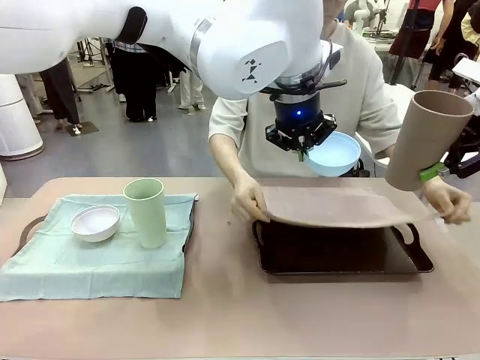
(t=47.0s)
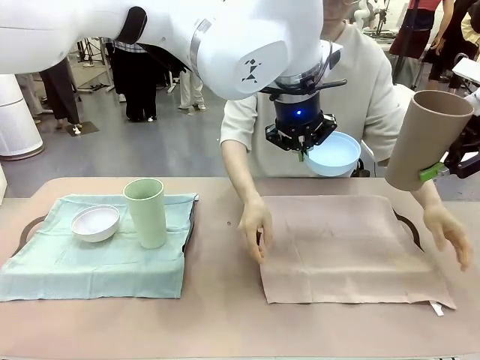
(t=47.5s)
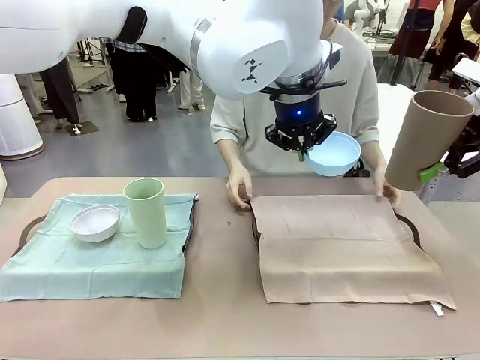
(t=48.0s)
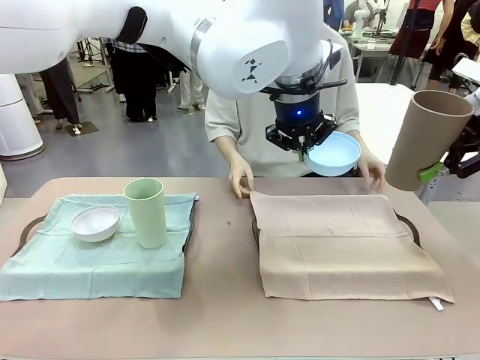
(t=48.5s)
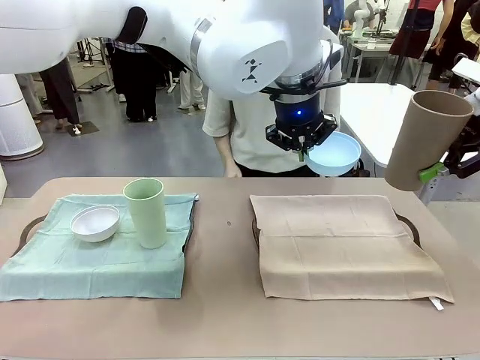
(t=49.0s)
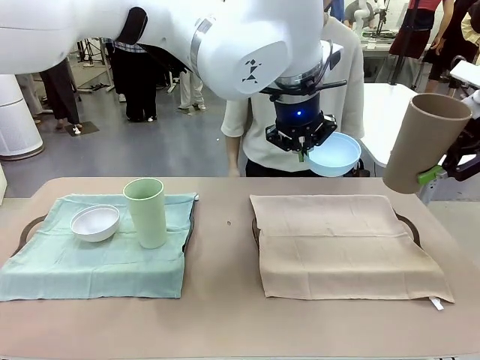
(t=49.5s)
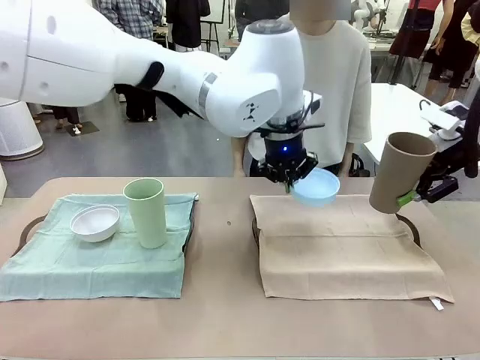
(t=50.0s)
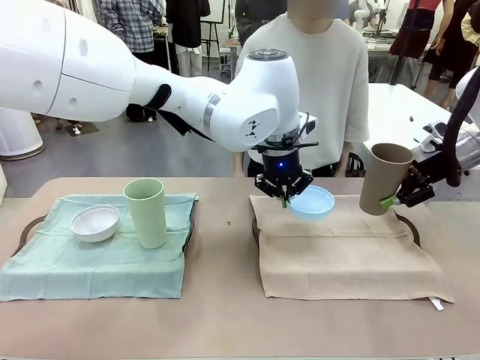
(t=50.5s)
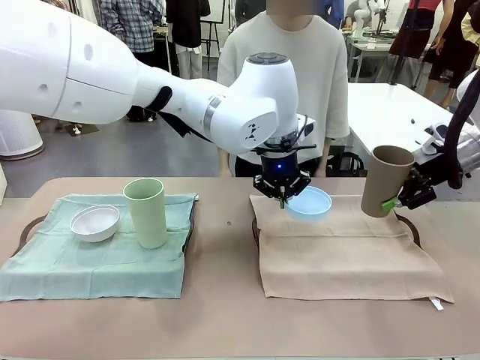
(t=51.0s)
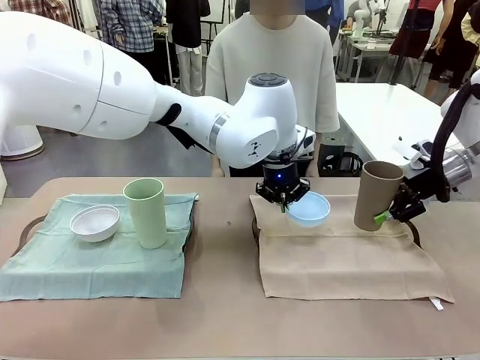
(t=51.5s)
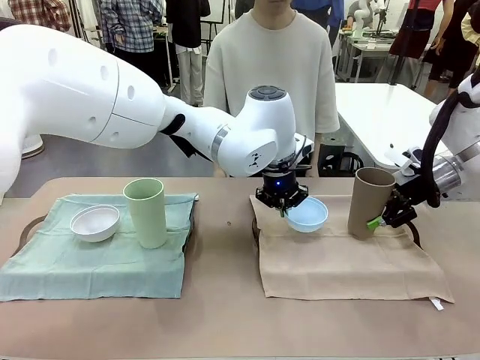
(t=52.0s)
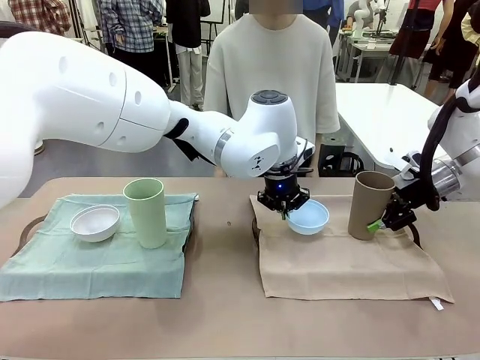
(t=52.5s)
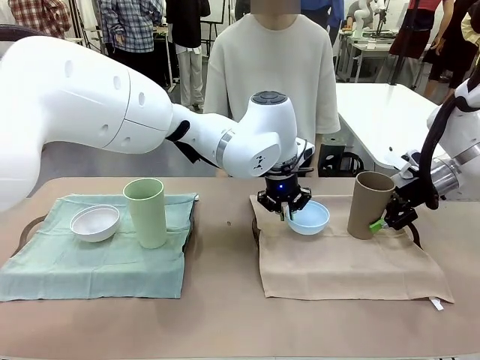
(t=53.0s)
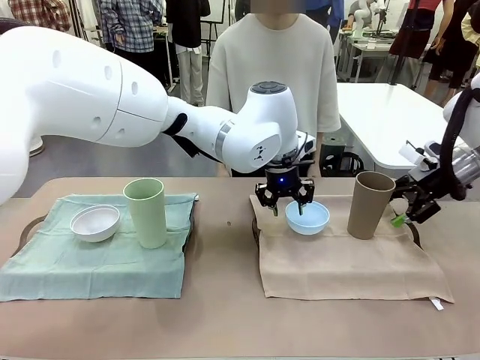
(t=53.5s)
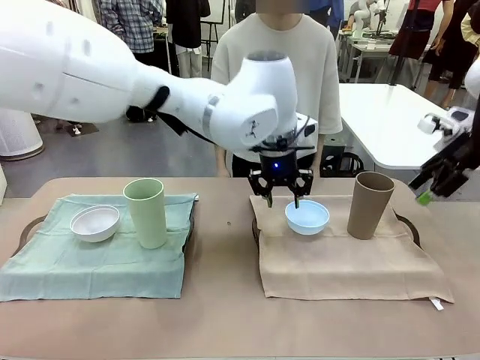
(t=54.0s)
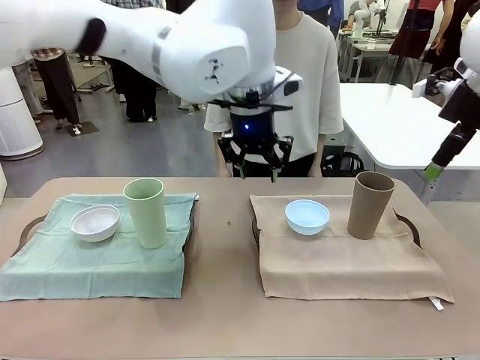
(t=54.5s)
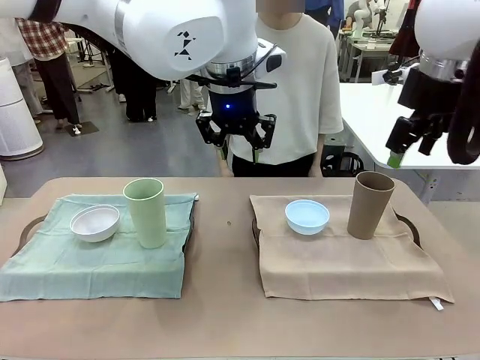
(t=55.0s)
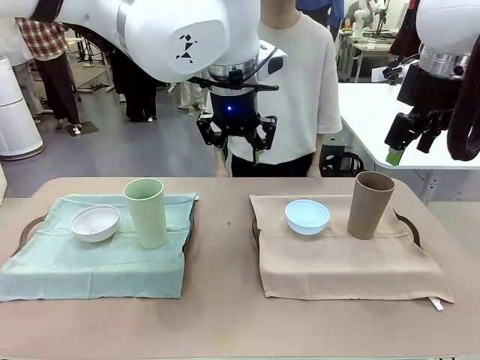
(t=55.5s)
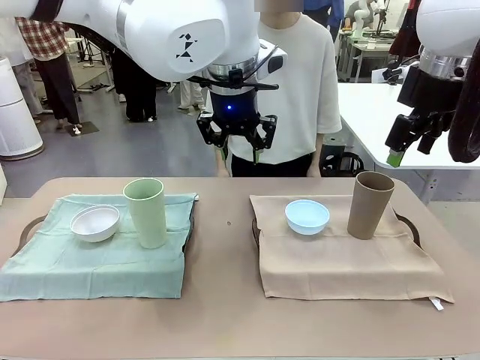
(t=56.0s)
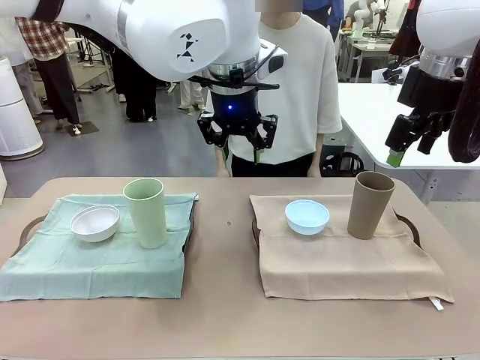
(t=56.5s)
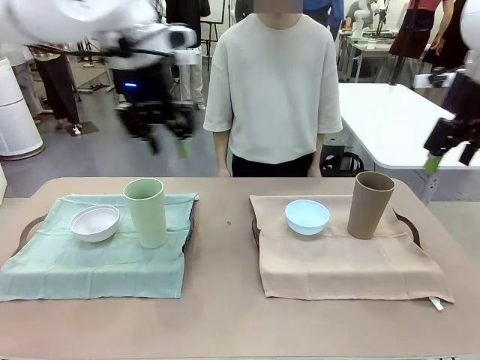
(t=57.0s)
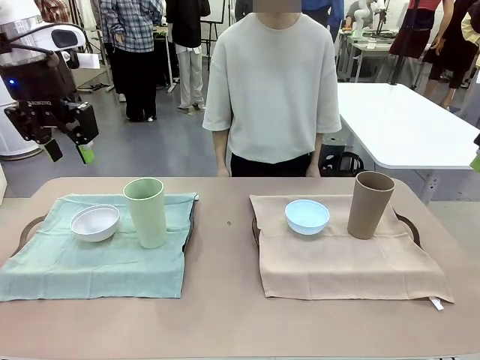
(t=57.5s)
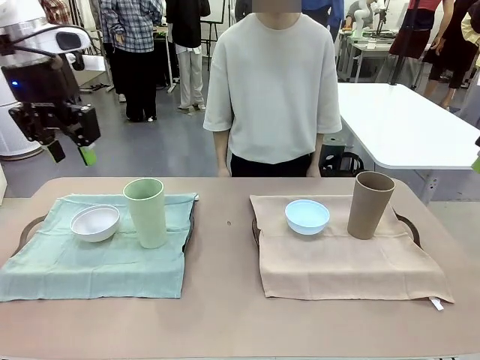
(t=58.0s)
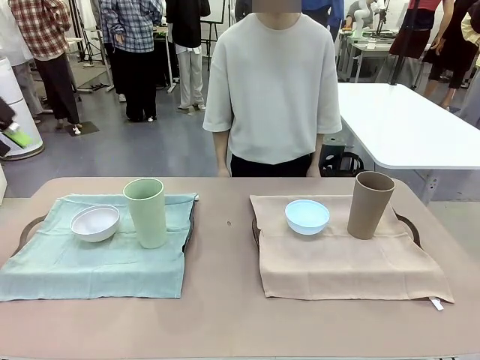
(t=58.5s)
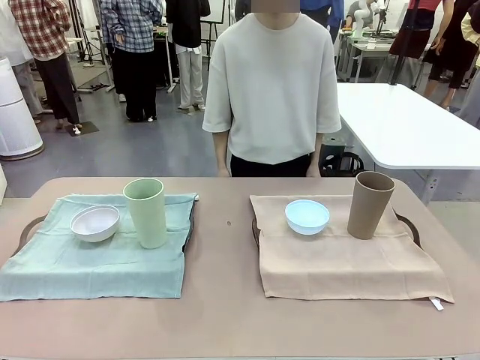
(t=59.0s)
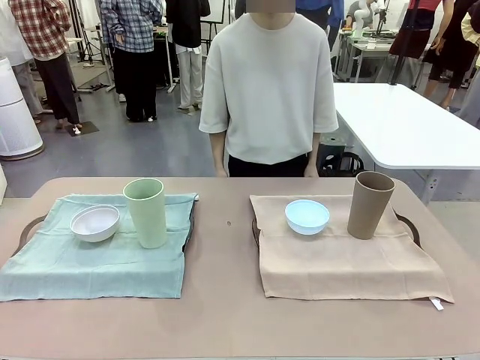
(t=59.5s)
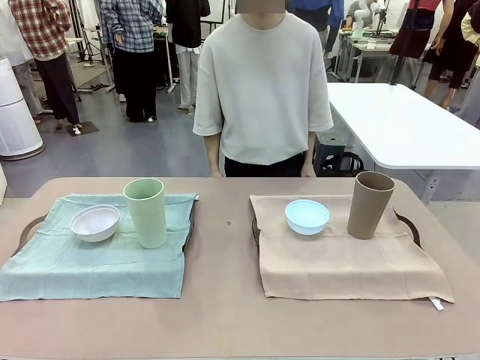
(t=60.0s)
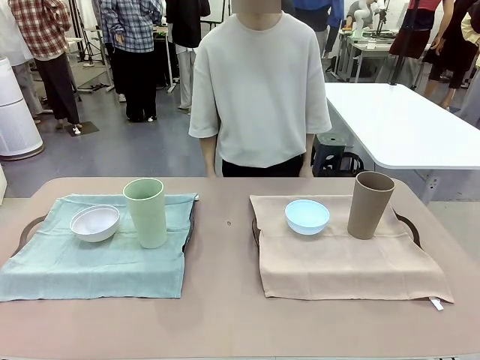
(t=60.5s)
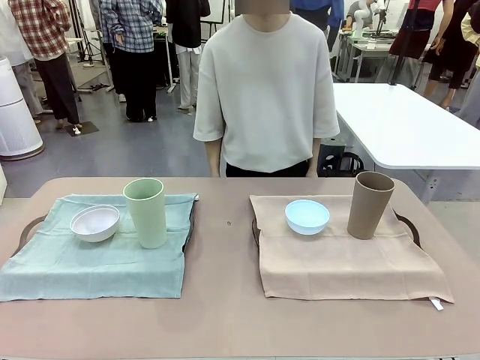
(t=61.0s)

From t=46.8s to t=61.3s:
Robot: Place the Picnic Bowl and Reusable plastic cup back onto the Handle tray in front of the human's position.
